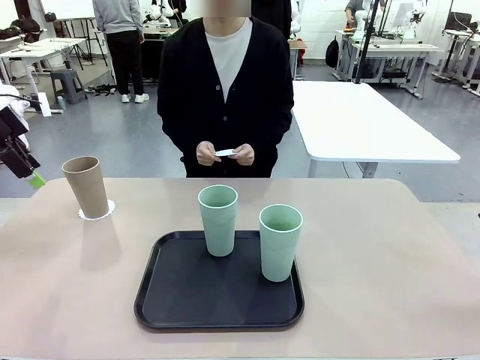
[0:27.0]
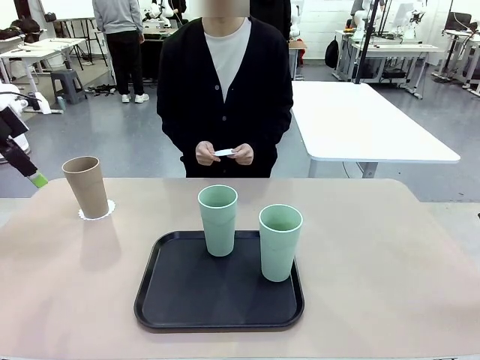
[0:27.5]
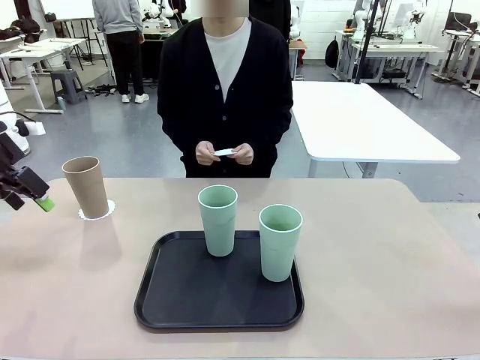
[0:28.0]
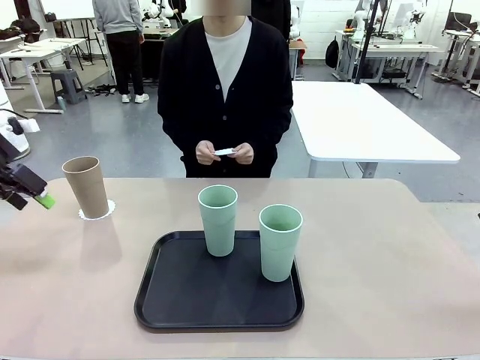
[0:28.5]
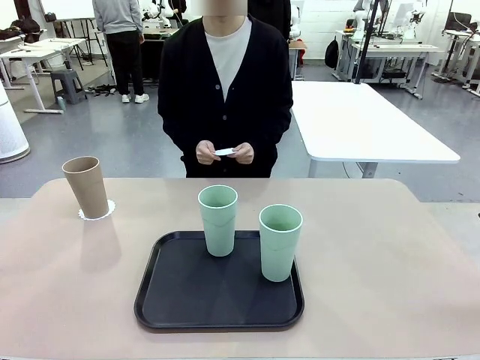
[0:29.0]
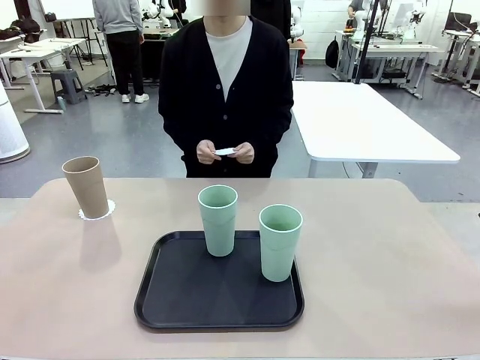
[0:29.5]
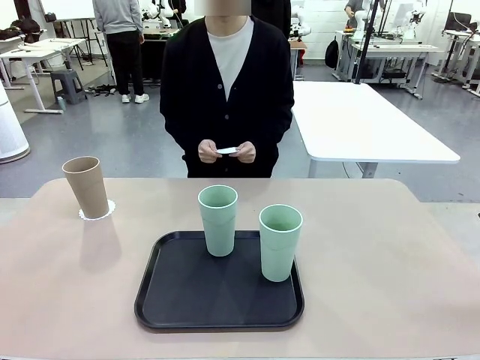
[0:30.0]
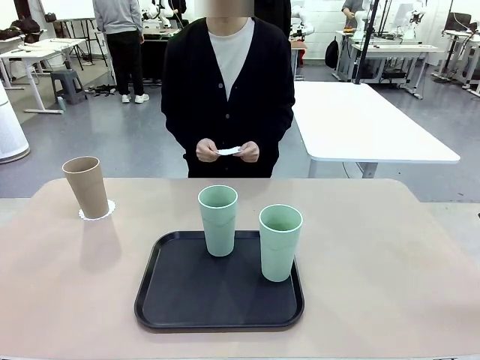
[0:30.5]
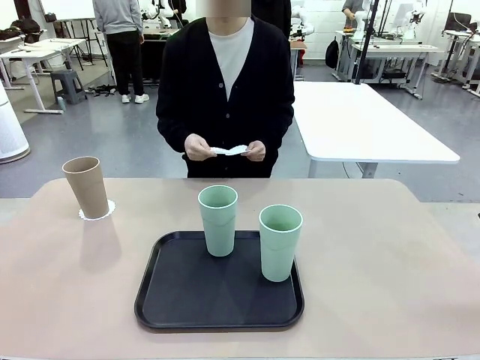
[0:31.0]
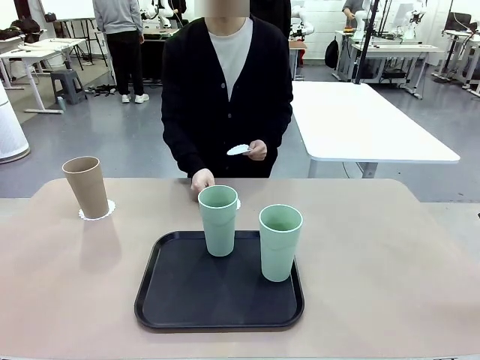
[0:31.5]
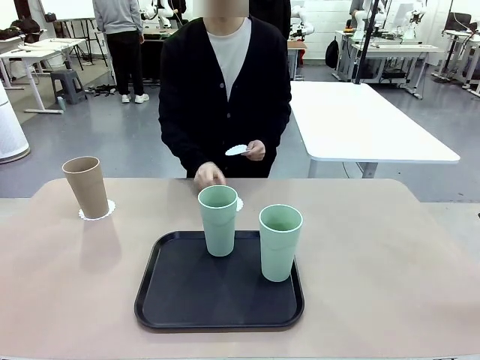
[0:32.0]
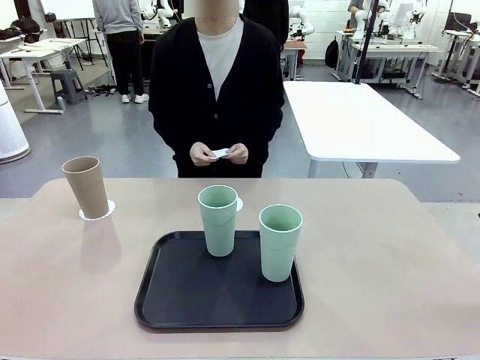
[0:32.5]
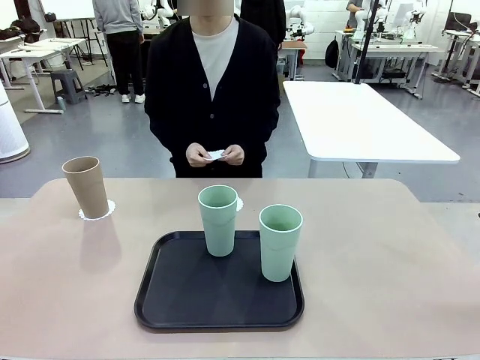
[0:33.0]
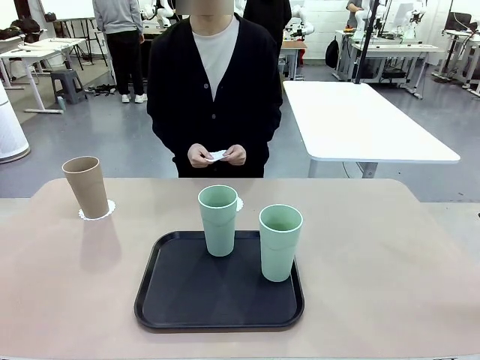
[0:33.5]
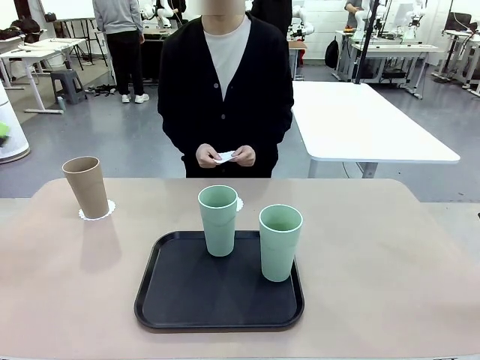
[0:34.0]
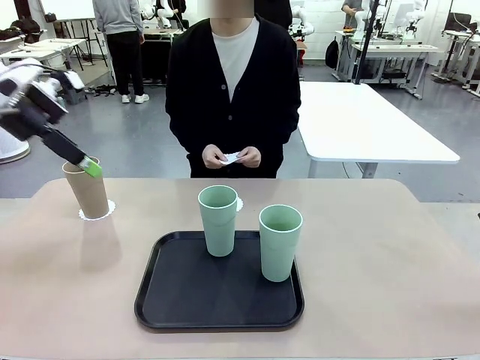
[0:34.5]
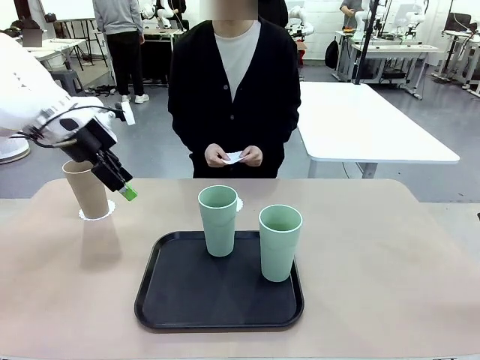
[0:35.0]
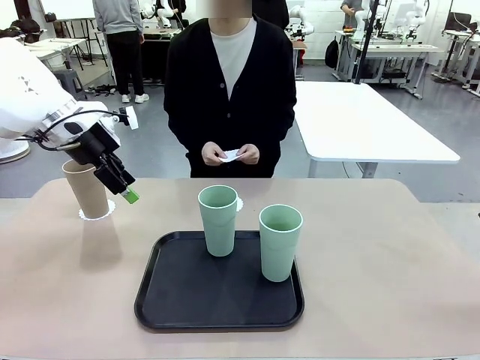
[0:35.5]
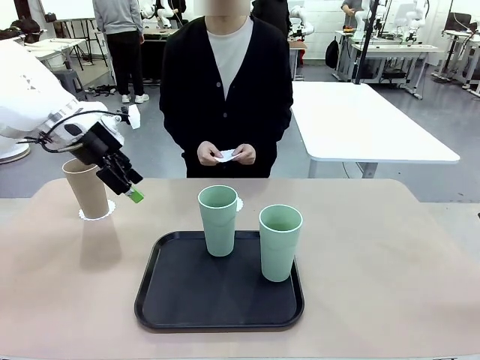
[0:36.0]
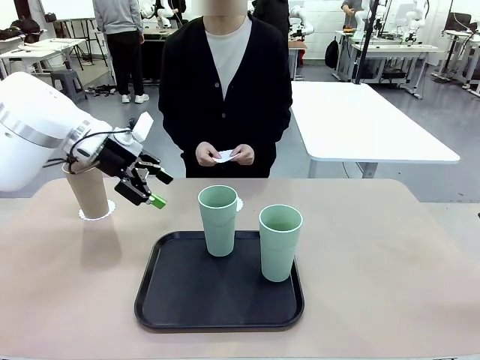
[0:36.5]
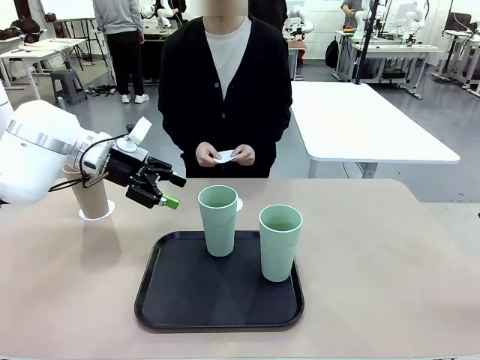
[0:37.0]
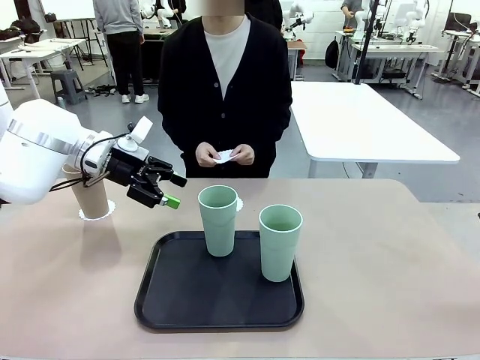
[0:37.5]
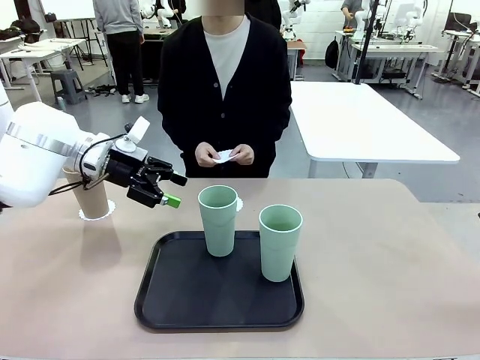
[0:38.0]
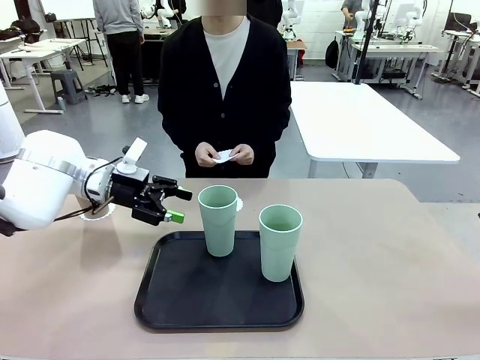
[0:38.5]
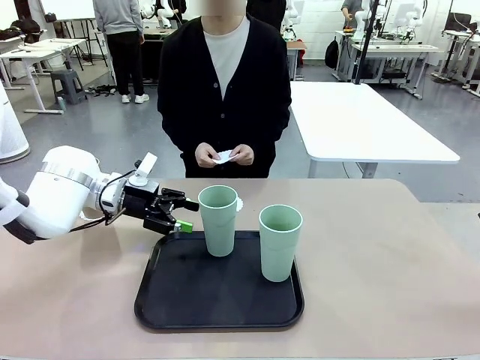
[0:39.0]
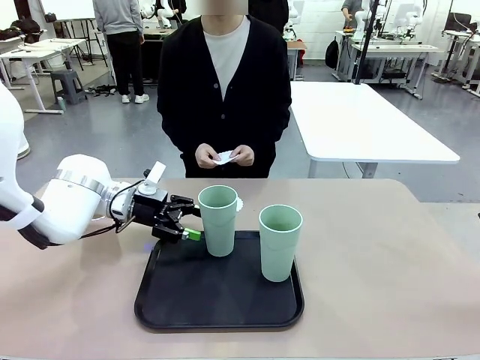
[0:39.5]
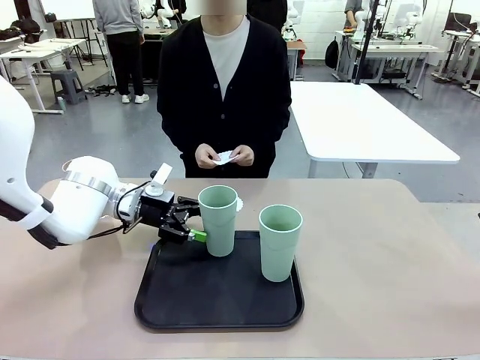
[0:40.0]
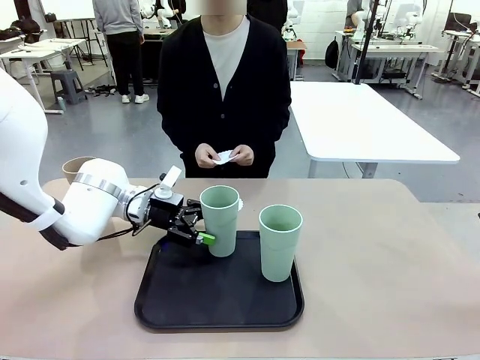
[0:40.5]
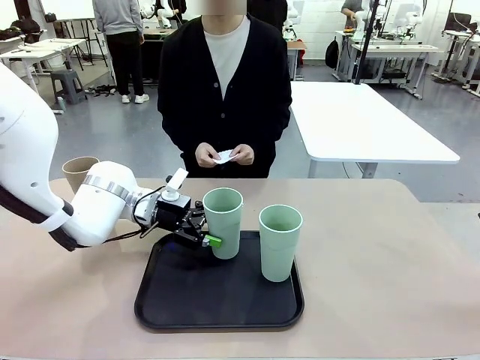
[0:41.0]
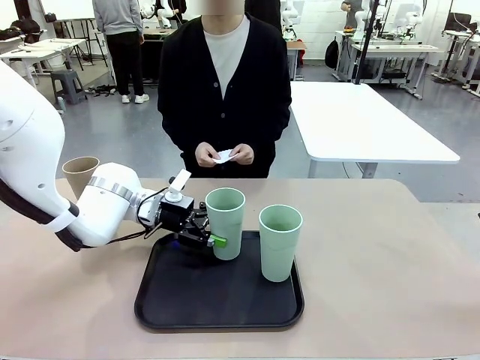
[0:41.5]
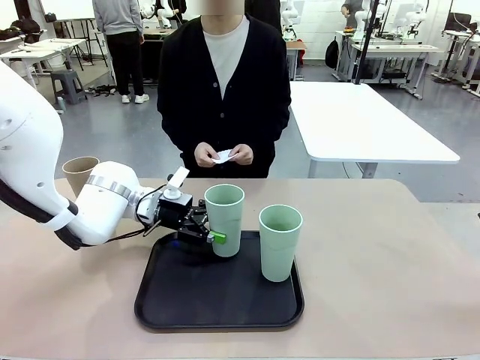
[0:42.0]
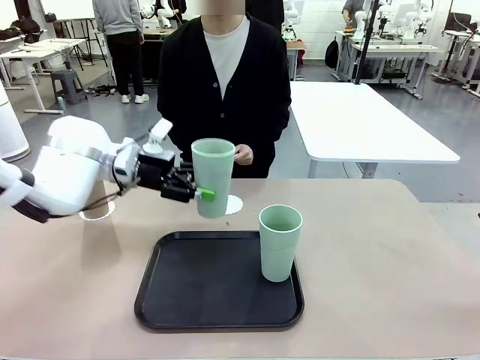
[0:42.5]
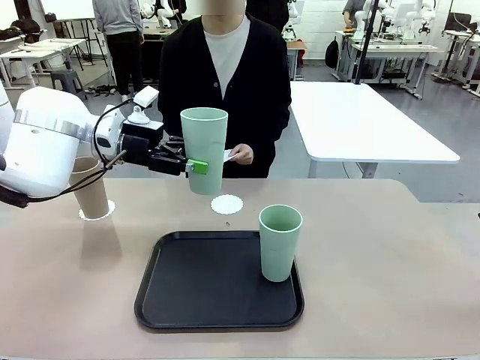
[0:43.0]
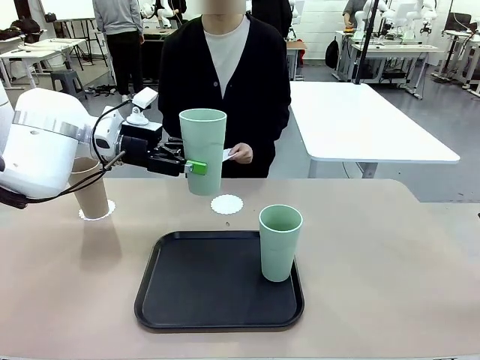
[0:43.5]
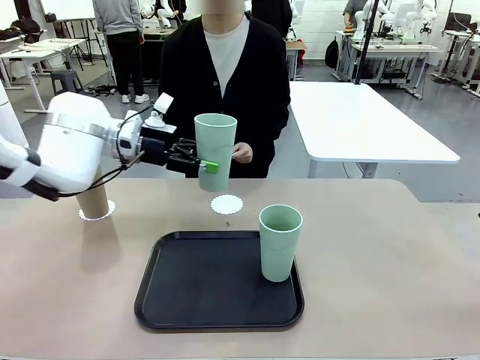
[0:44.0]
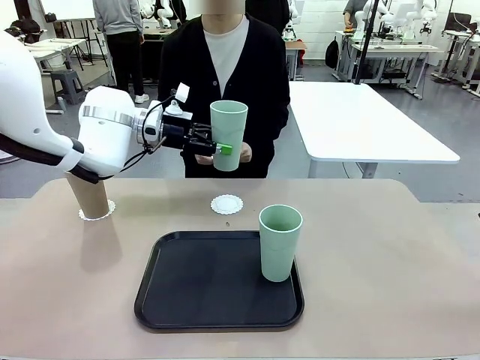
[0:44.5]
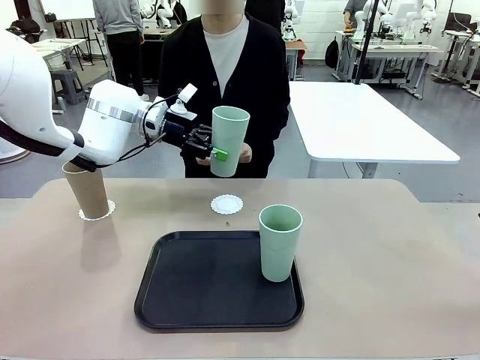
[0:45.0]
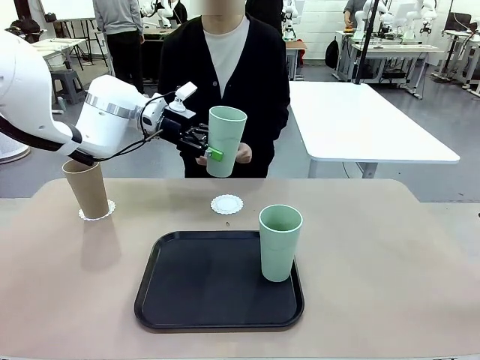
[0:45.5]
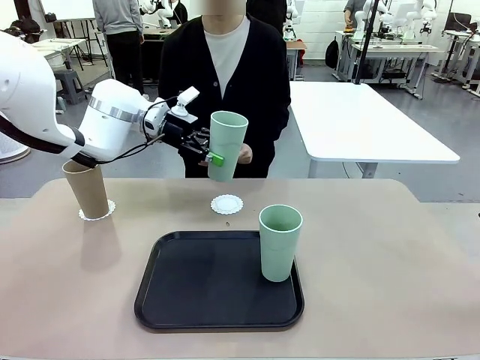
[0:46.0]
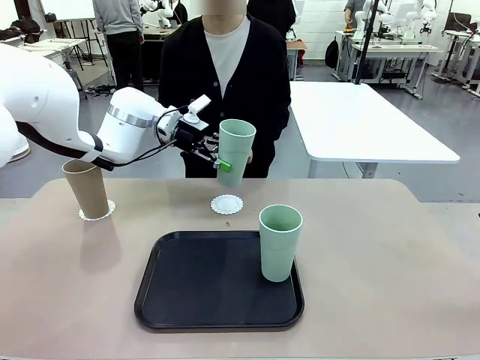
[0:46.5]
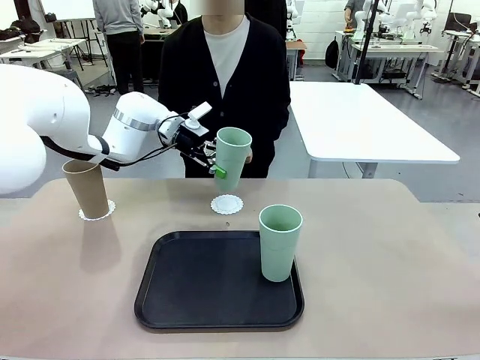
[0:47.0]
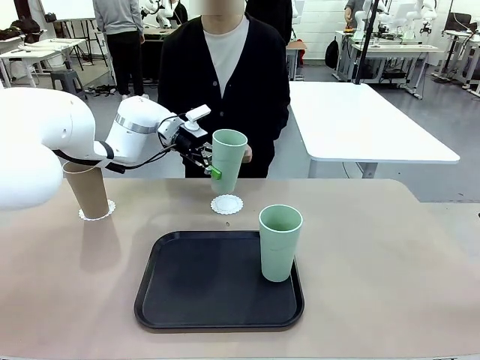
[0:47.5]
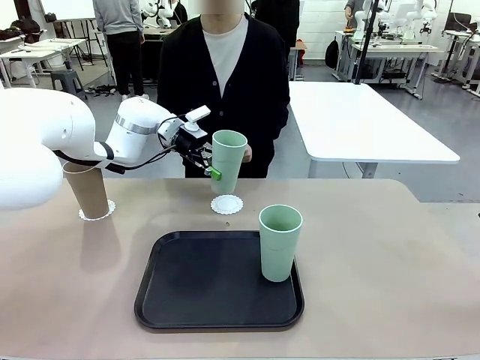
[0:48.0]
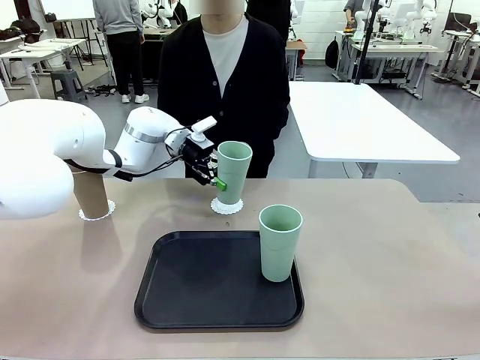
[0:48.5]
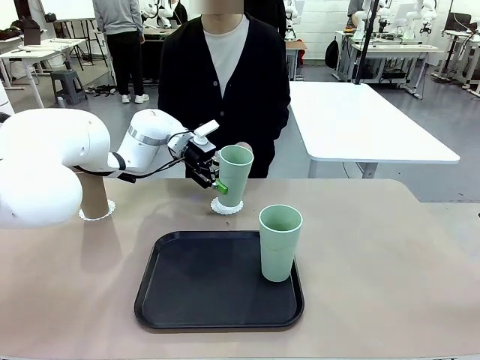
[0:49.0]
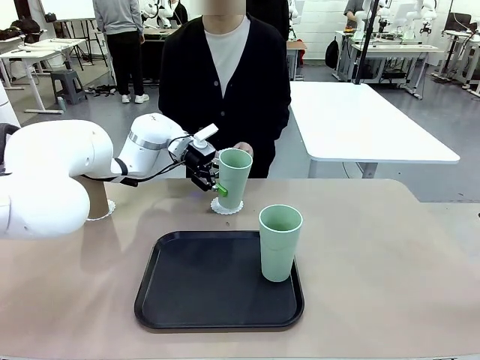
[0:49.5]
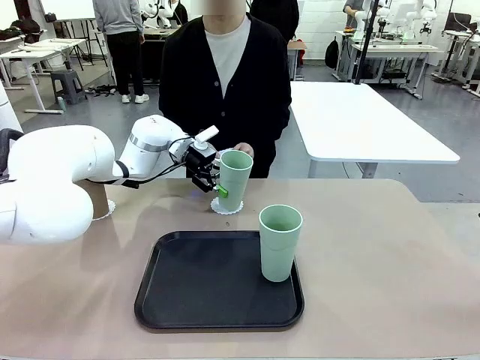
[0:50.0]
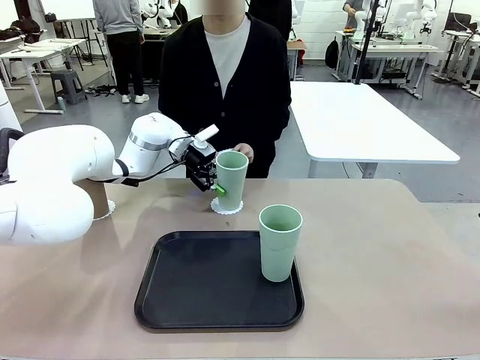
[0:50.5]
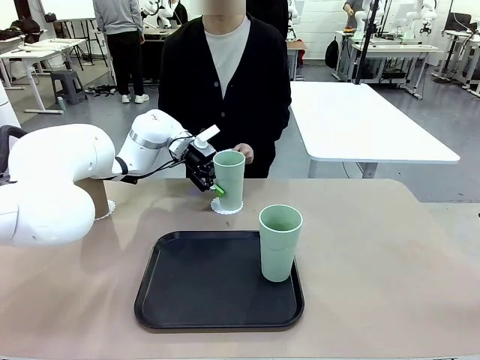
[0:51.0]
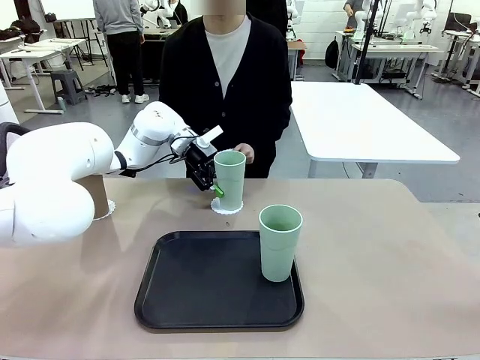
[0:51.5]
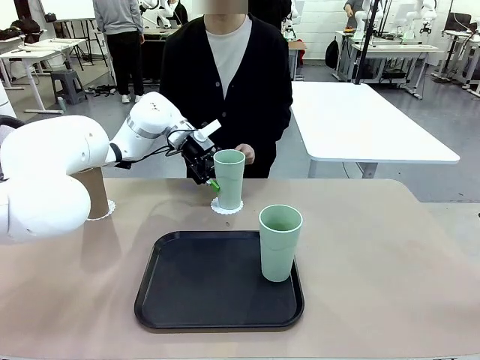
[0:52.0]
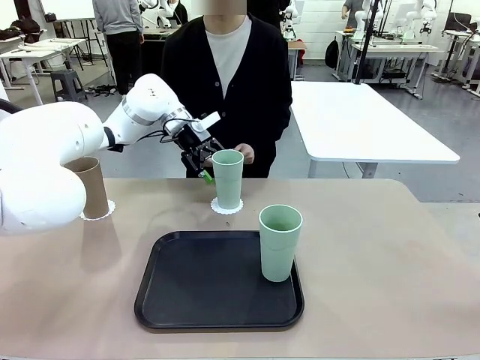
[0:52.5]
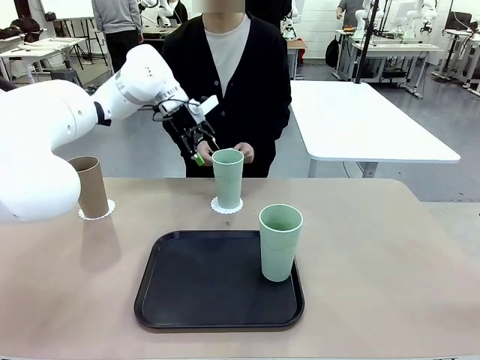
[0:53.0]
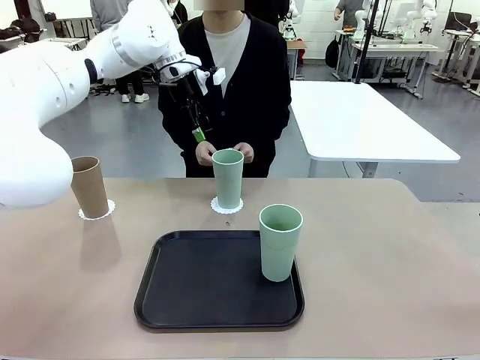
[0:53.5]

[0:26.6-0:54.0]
Task: Place coasters on the table and set cups on them.
Robot: Take one Reusable plastic cup from the Flat Tray and place it on a coaster set by the human.
